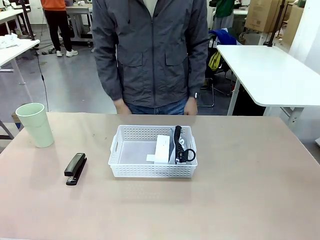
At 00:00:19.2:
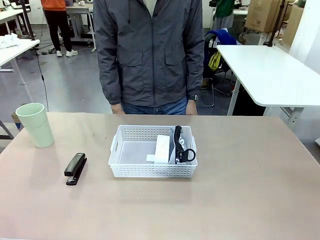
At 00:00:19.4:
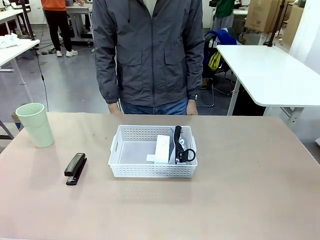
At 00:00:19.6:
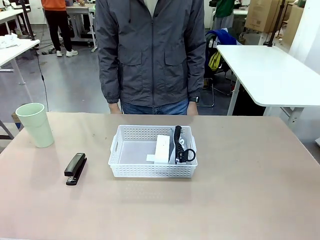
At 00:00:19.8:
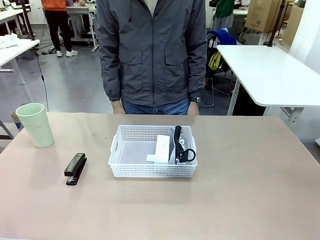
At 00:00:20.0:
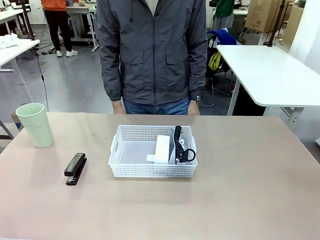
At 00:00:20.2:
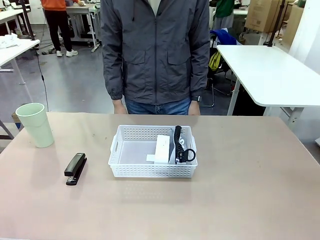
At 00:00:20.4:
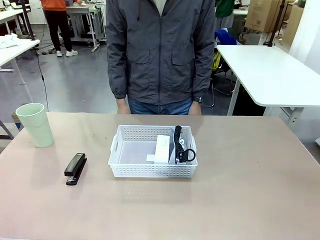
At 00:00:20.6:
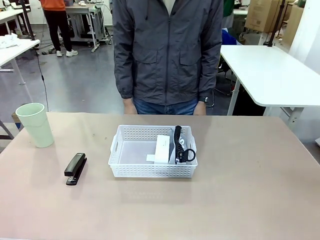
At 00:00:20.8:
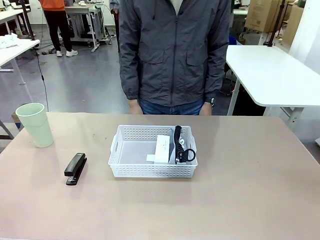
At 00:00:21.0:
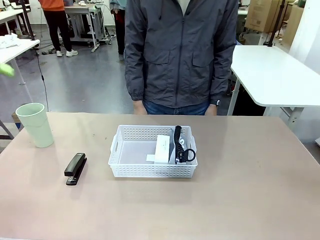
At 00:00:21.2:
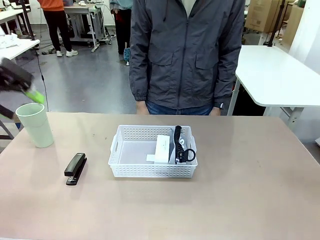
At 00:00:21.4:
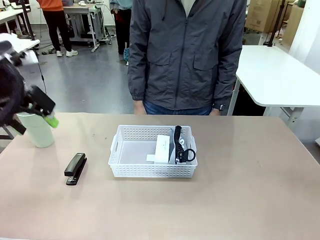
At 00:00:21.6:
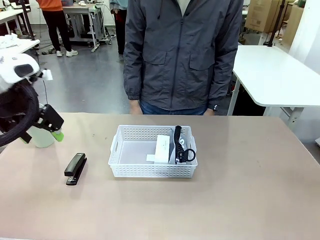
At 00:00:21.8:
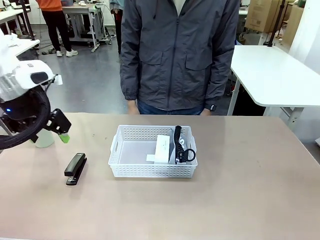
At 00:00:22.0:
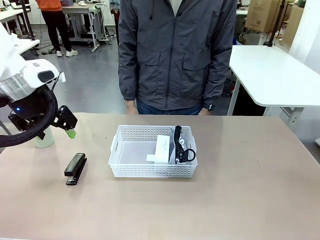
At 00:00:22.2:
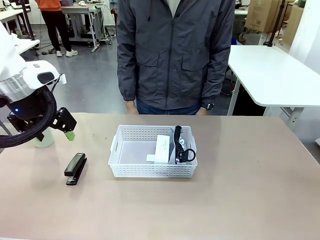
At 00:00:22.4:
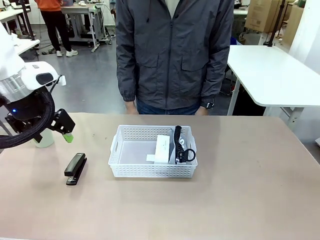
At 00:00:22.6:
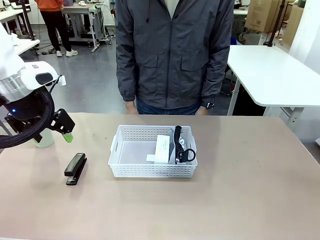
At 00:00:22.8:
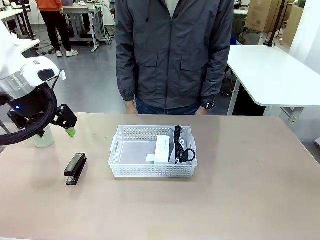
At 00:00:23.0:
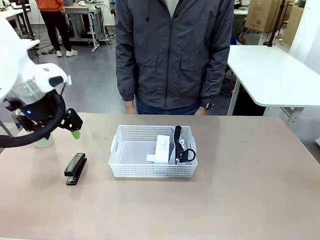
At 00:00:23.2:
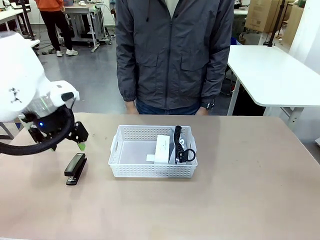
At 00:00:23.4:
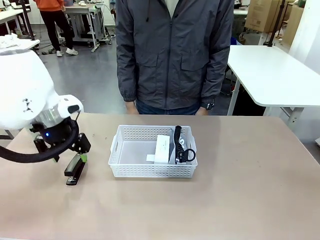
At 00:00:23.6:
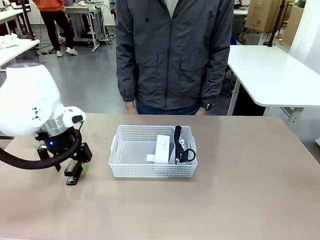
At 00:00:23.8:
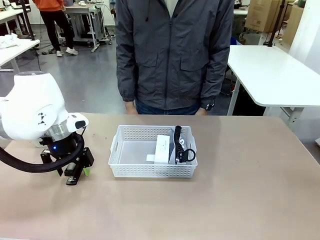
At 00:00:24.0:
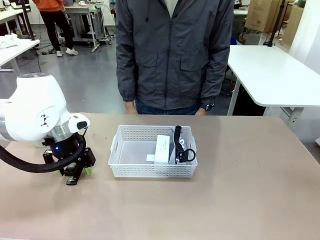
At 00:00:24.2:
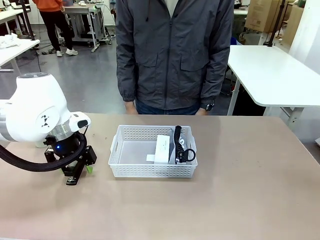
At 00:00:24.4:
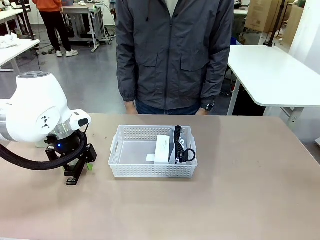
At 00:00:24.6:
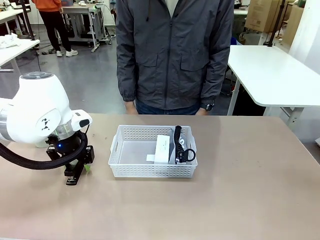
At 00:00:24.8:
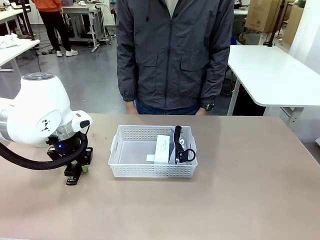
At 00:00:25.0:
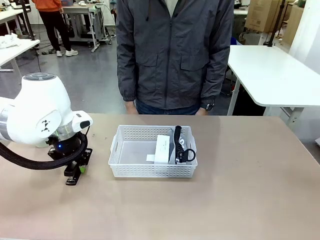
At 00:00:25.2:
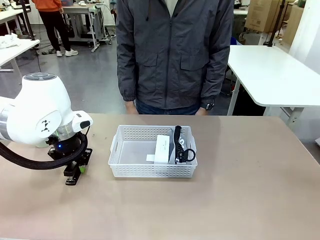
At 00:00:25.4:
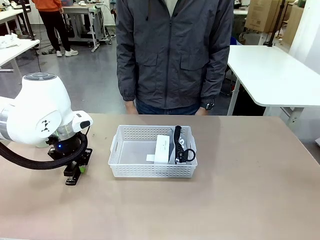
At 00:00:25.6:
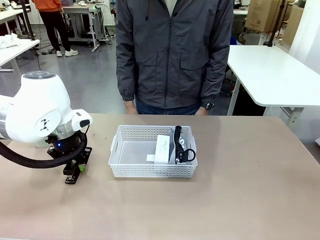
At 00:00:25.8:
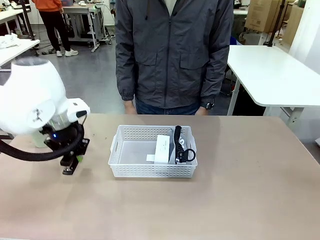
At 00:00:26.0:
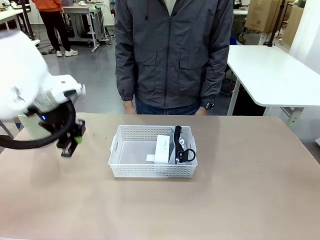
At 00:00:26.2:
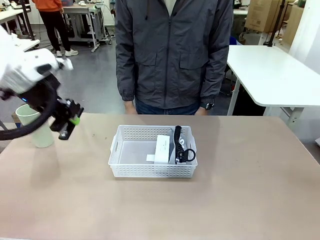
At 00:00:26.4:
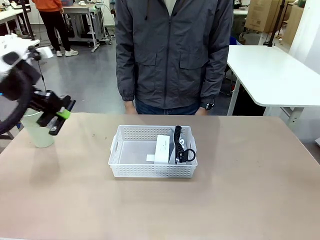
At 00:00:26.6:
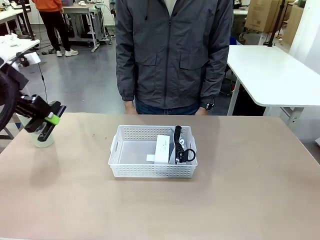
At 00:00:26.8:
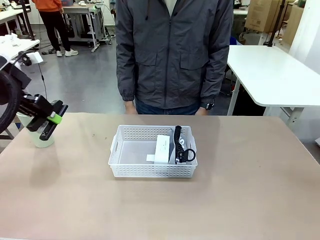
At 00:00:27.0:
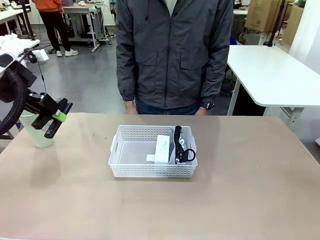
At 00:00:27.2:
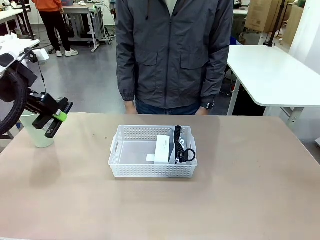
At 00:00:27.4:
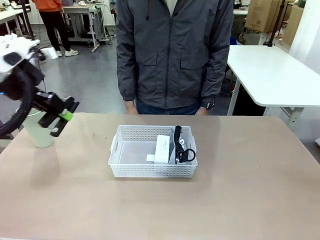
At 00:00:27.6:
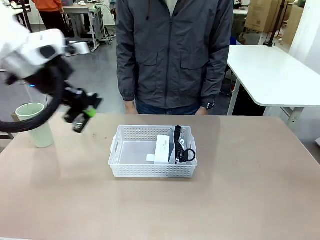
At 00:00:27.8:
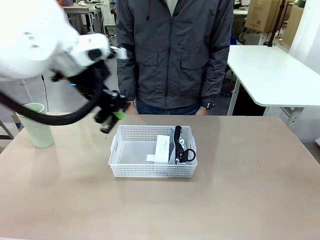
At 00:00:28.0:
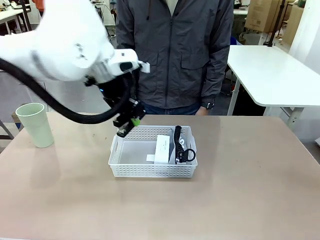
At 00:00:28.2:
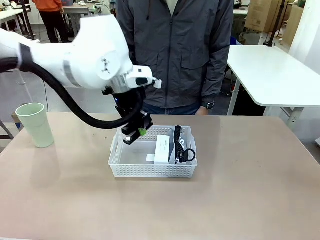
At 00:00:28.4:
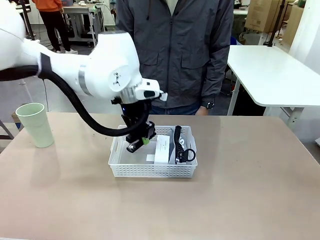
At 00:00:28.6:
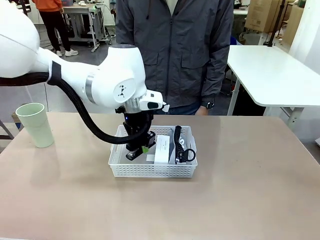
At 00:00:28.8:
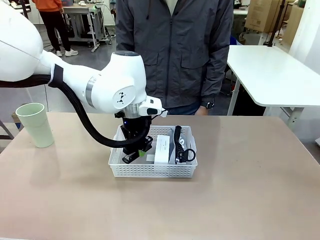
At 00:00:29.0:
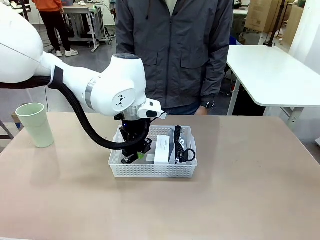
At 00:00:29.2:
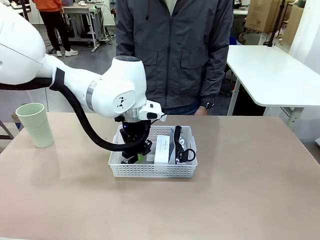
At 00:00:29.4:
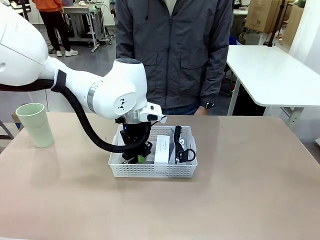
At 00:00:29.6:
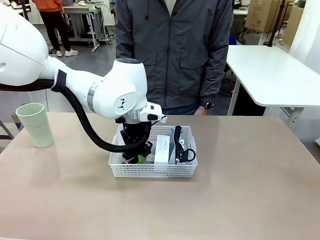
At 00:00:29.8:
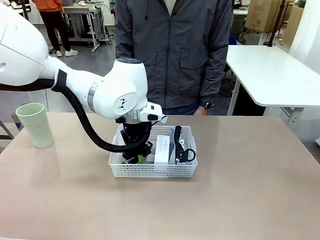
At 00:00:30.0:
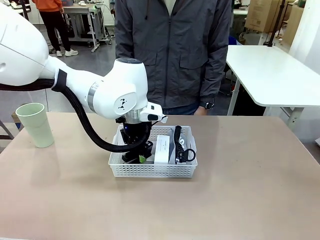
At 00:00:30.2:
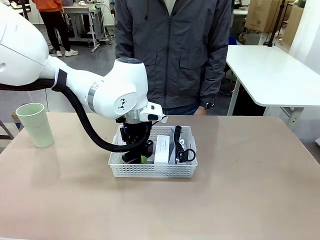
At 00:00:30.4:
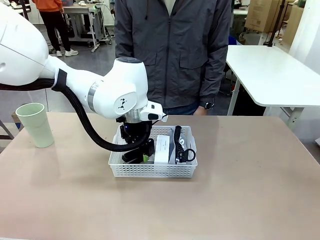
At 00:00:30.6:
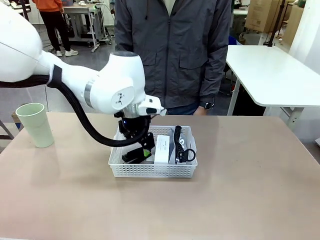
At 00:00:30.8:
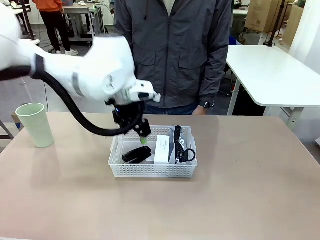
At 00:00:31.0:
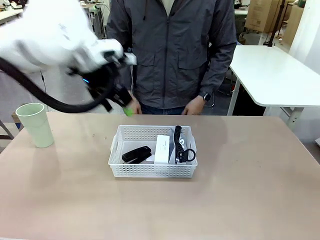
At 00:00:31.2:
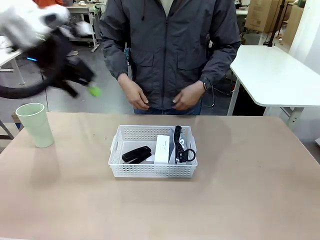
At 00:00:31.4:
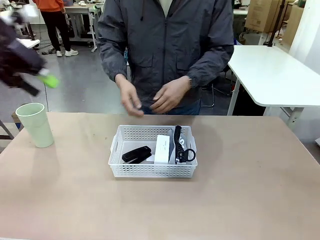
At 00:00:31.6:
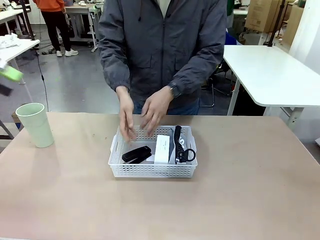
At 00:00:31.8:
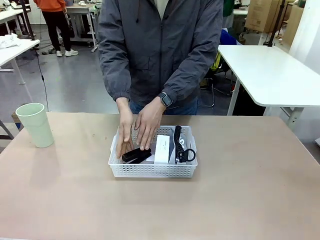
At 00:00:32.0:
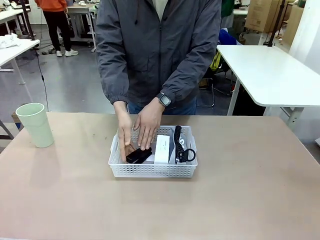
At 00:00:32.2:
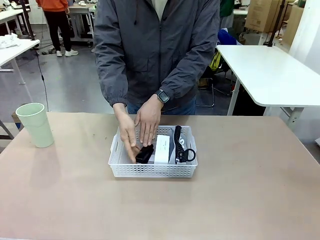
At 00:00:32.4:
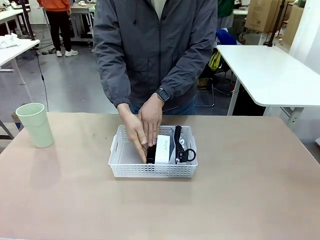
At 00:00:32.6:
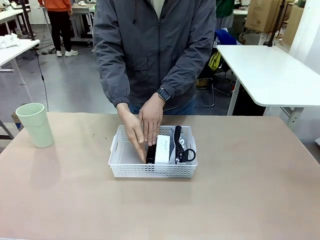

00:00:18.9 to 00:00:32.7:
Task: Efficiently arrange items inside the basket to fit them all.
Robot: Pick up the Stapler and place it inside the Organizing basket.
